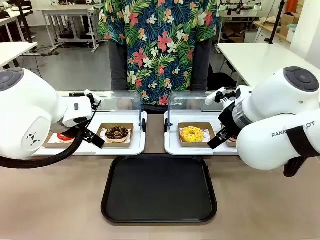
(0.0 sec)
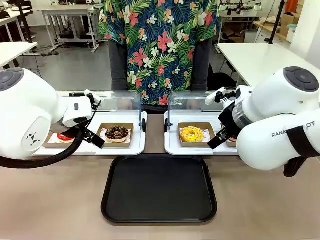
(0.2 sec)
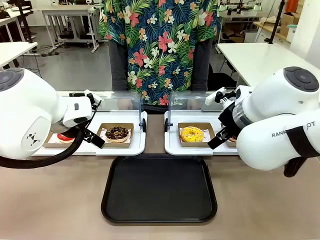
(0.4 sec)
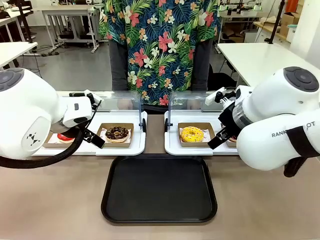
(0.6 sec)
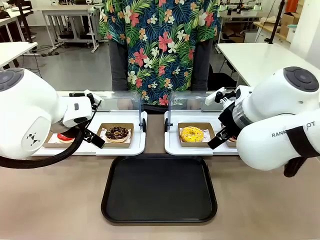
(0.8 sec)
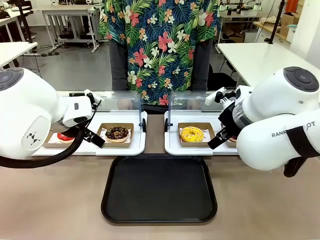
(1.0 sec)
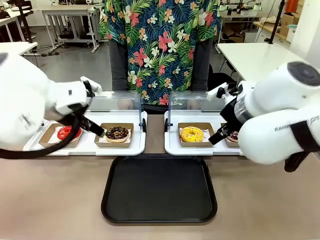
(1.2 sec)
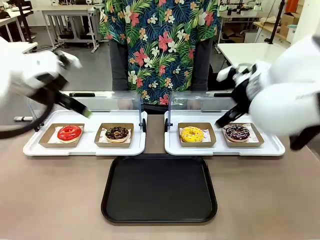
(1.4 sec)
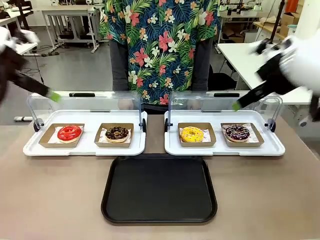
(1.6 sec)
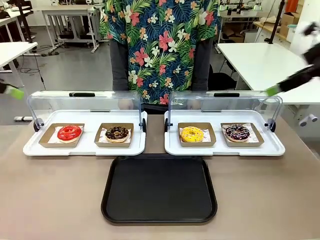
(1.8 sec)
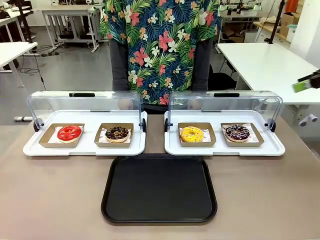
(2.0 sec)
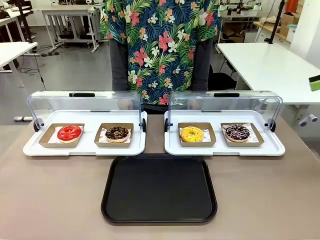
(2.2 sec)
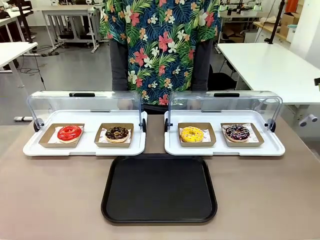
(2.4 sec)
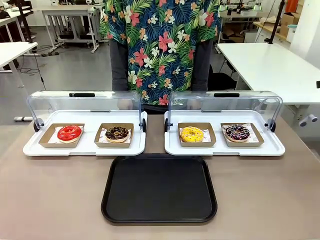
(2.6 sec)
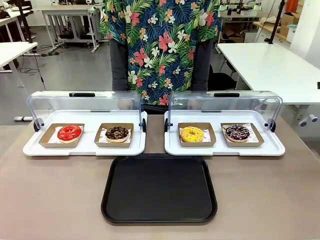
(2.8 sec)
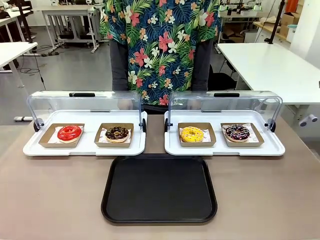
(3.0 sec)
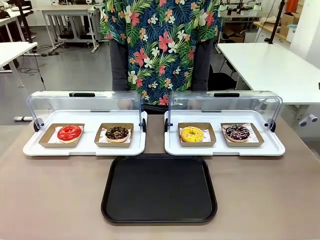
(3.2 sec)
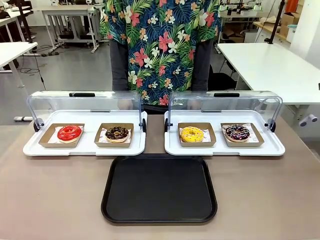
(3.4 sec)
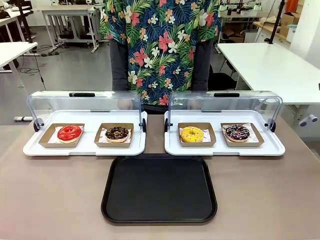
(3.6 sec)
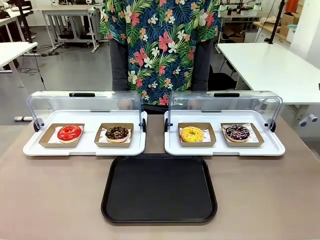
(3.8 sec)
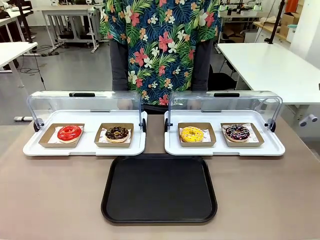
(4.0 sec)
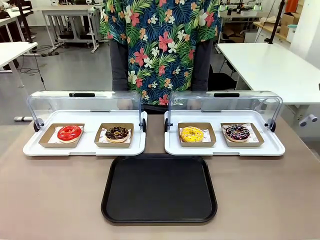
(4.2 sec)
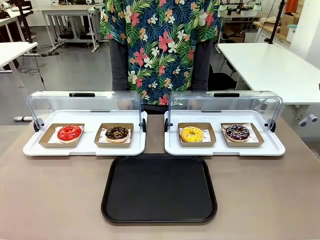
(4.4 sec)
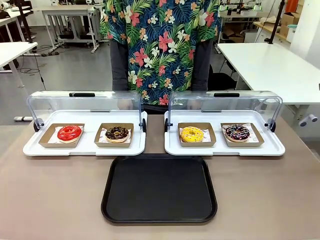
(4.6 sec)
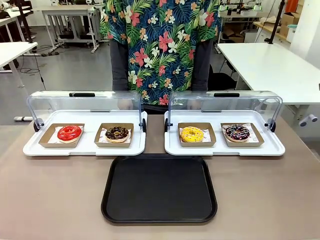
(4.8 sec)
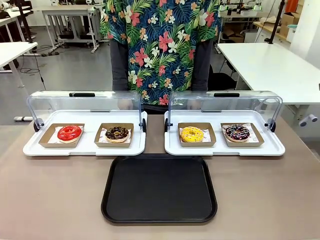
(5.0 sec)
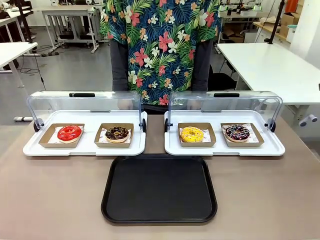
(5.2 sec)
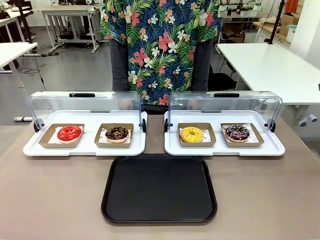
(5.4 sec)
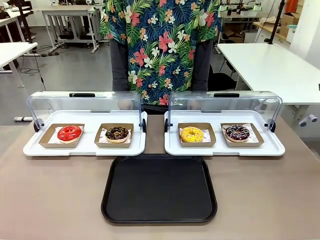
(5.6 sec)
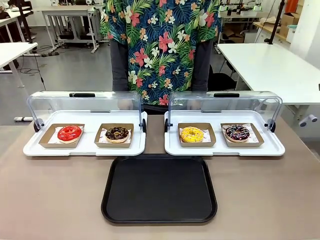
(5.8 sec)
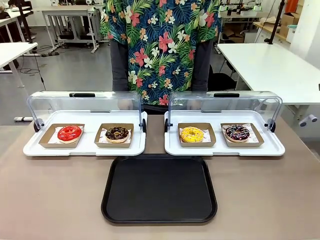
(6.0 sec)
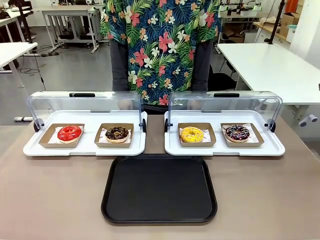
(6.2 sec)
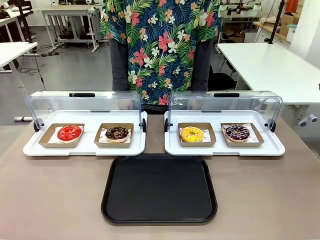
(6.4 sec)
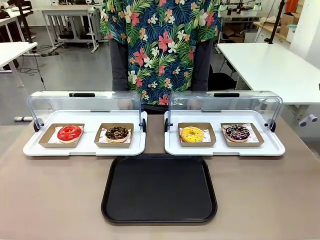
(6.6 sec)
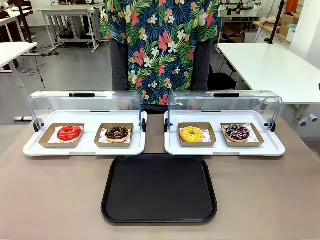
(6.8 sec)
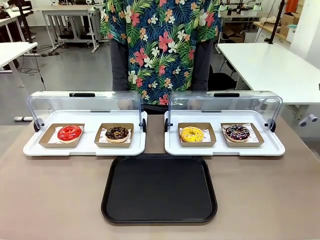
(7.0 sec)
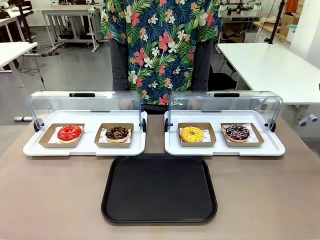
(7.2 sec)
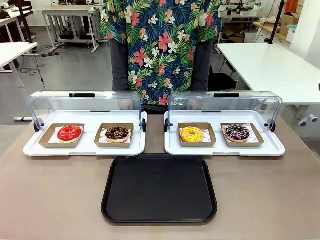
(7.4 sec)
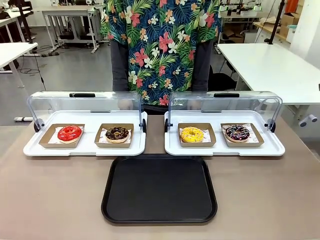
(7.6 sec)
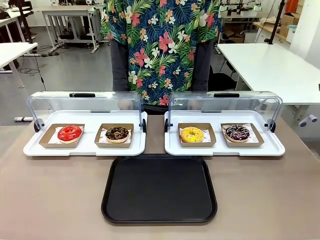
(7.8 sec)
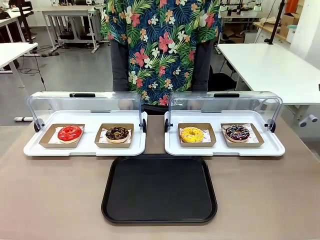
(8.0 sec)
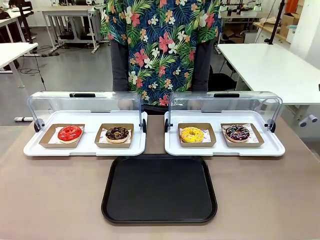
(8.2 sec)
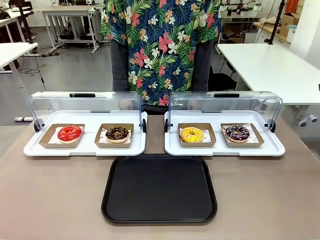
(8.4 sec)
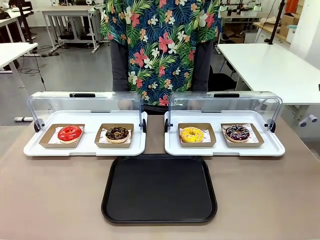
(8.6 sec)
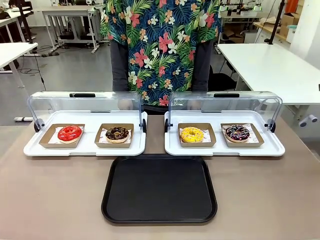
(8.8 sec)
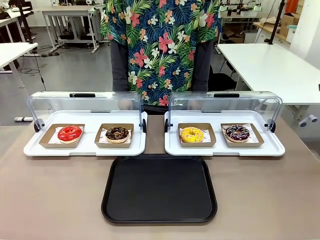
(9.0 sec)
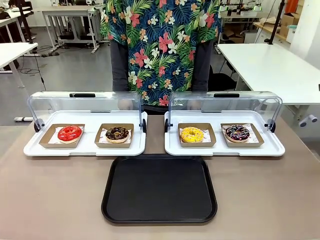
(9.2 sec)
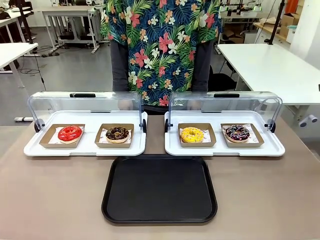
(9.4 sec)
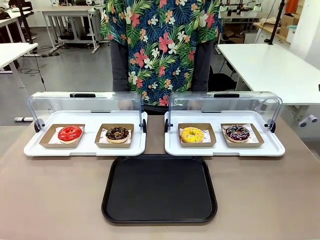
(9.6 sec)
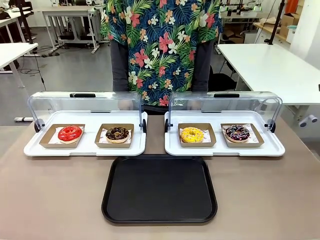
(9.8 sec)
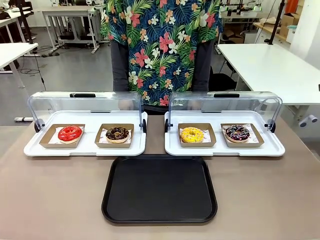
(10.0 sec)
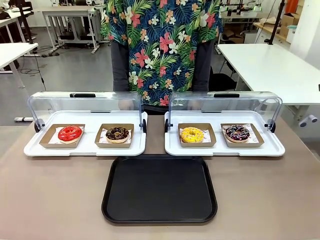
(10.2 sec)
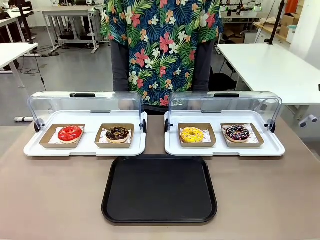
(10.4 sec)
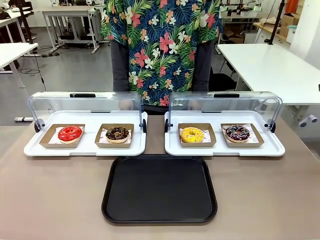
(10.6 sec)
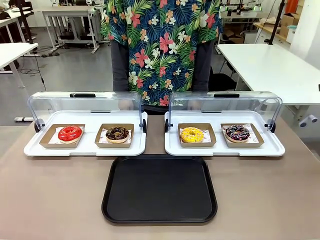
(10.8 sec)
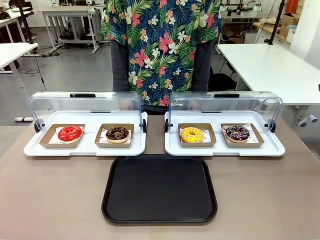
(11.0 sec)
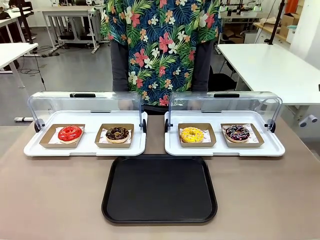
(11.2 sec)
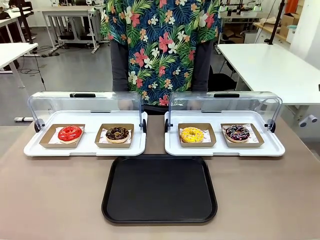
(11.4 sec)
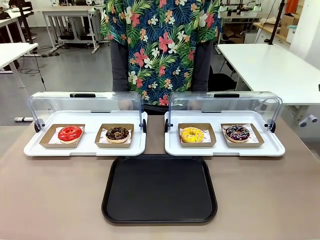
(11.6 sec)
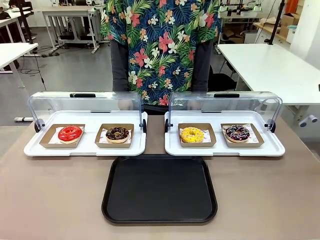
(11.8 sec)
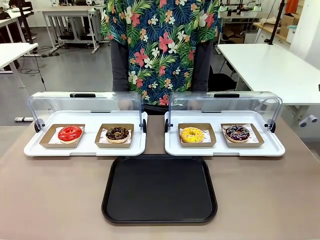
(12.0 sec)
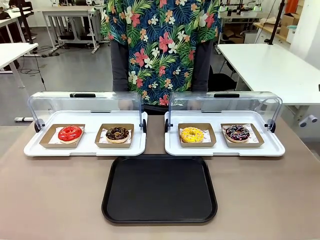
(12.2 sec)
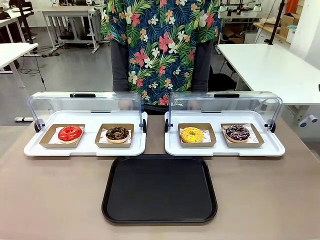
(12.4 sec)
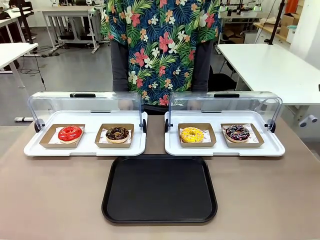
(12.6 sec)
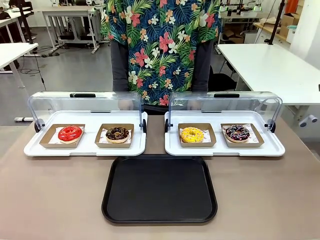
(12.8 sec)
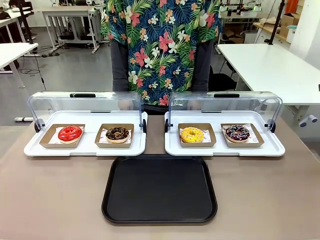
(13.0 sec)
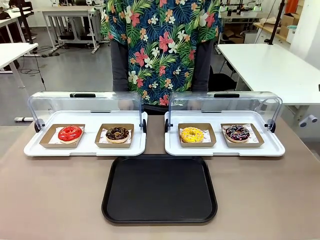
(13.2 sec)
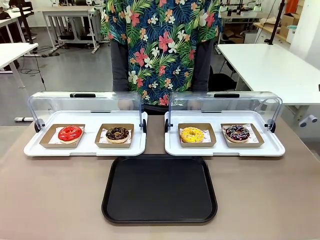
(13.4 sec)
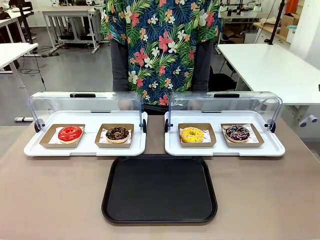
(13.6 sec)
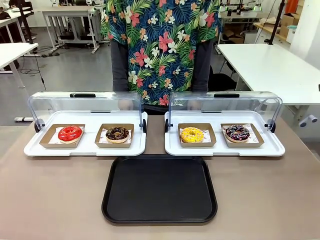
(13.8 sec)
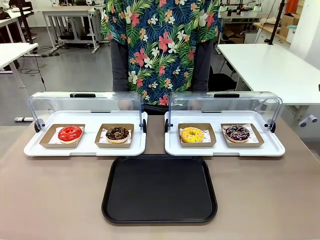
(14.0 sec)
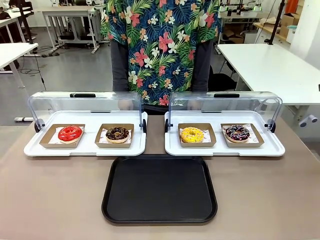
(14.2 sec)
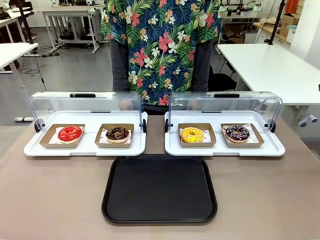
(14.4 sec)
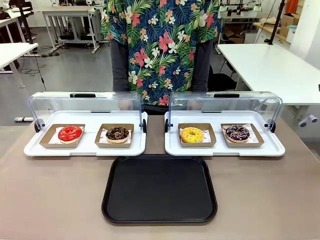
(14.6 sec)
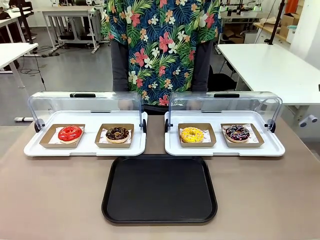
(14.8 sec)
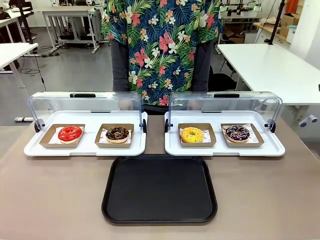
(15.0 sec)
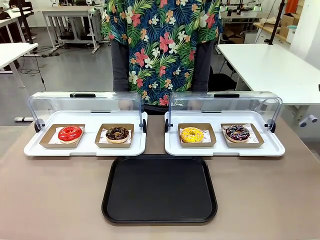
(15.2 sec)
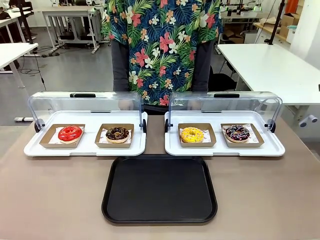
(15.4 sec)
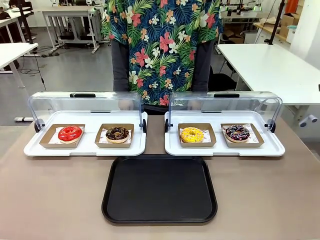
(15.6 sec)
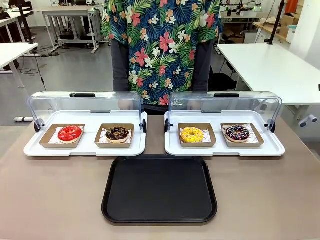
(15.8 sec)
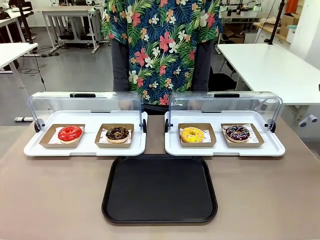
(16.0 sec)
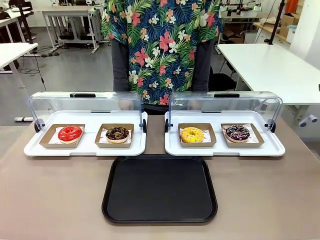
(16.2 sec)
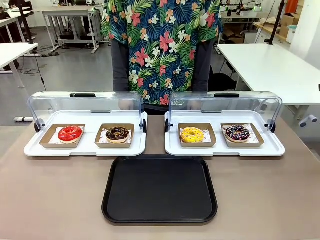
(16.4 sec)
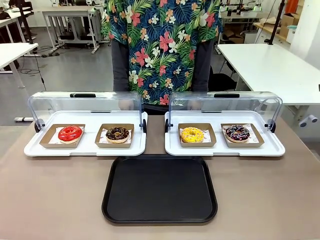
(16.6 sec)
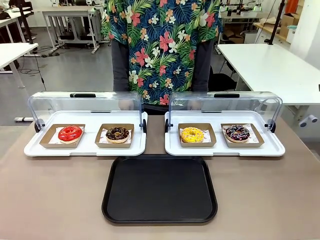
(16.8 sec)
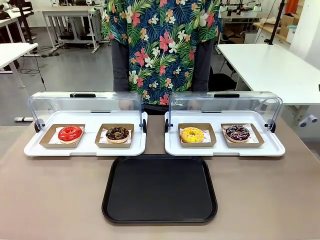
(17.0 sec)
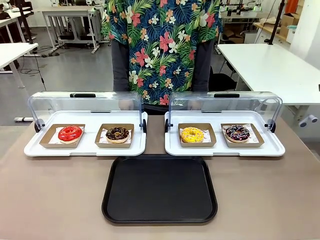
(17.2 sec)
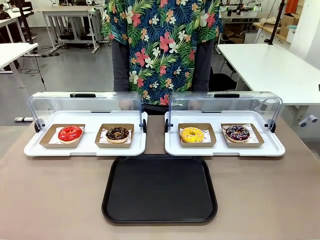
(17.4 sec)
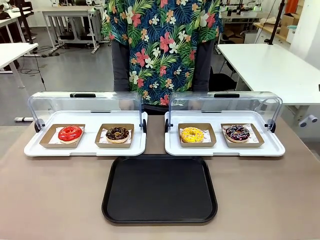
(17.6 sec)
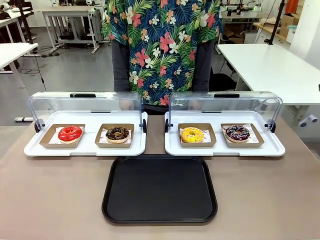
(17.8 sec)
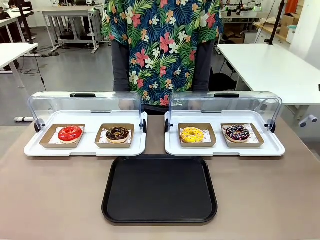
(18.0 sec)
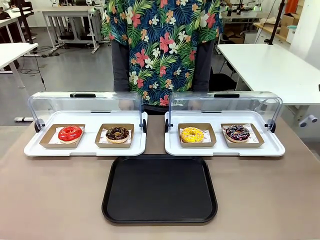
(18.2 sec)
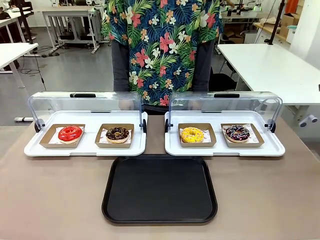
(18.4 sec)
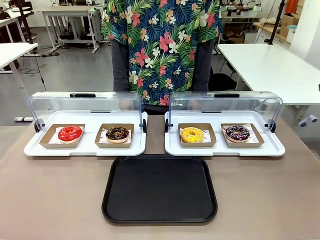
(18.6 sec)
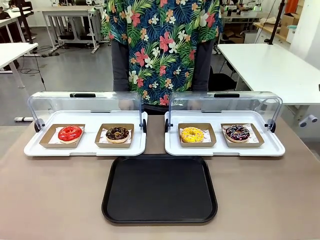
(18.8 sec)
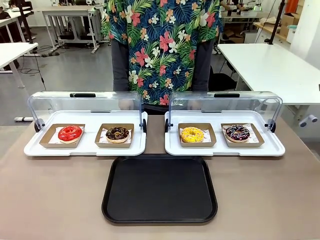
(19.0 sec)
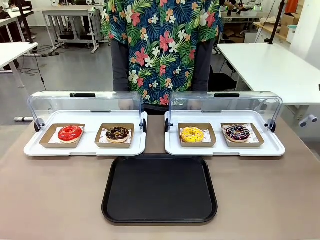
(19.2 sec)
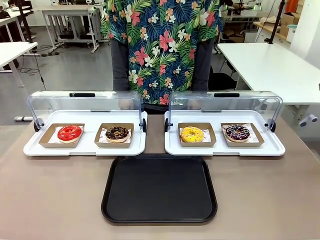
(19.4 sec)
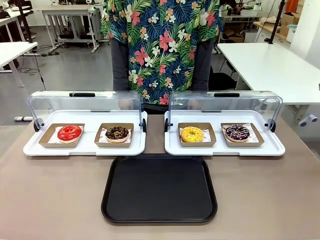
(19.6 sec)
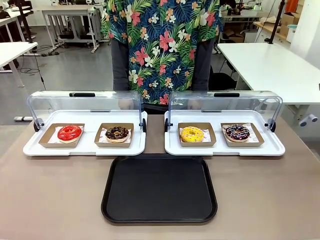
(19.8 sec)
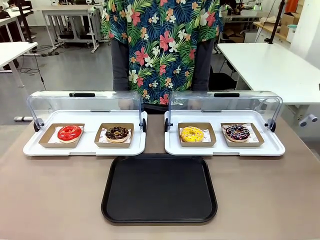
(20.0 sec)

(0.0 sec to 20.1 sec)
Task: Move the fourth donut from the left to the tray.
Robot: Pick up the Paper togo box containing the Donut indicated by the person and place it on the Handle tray.
